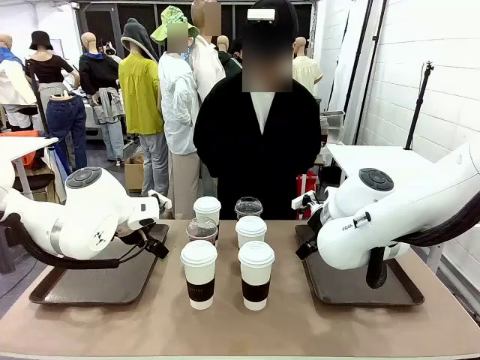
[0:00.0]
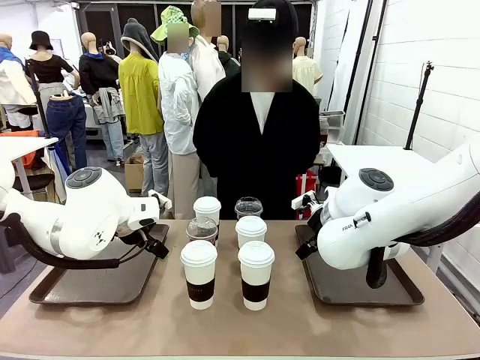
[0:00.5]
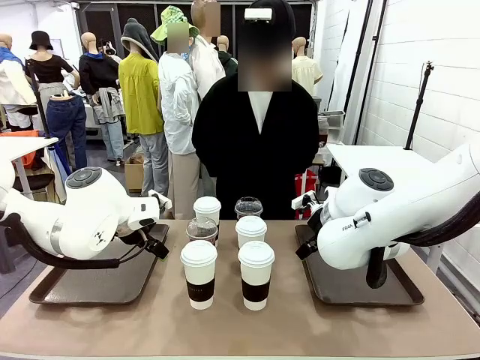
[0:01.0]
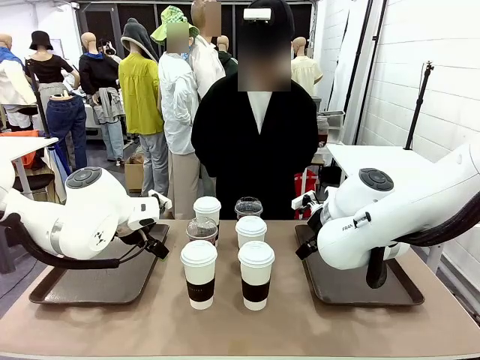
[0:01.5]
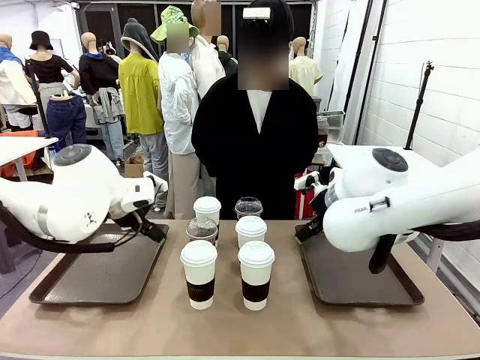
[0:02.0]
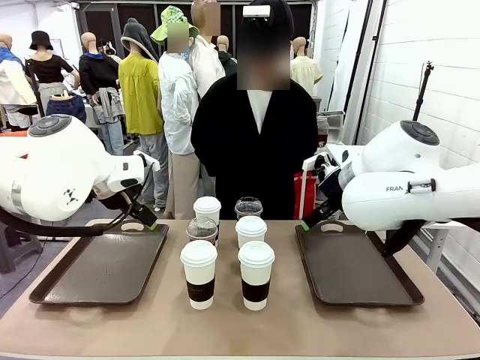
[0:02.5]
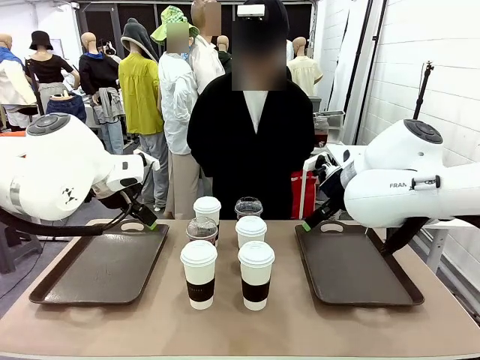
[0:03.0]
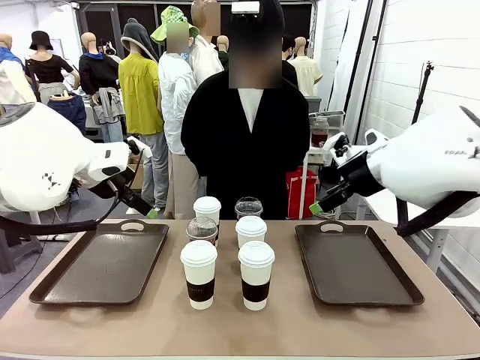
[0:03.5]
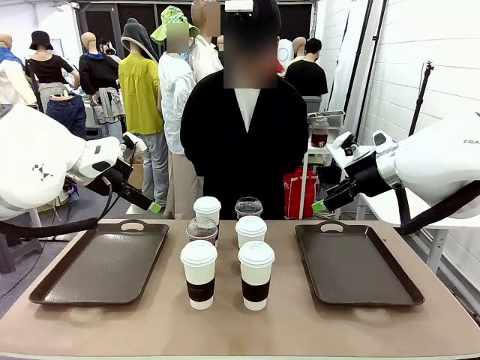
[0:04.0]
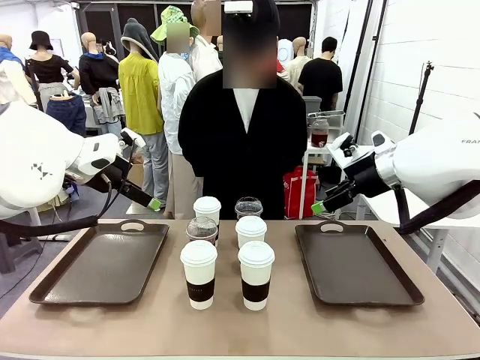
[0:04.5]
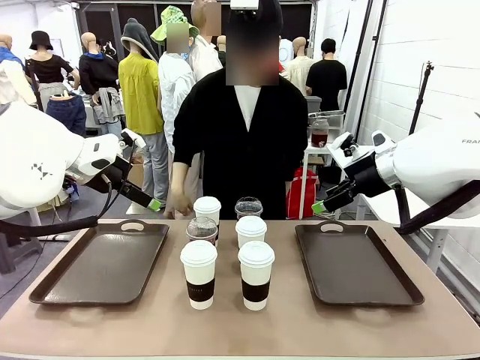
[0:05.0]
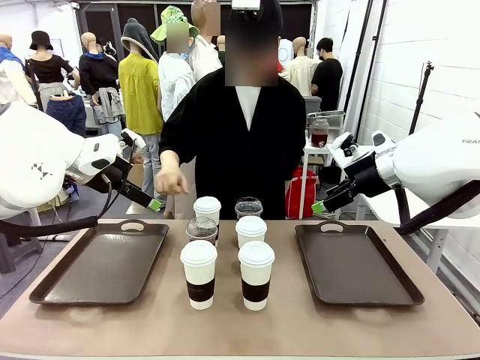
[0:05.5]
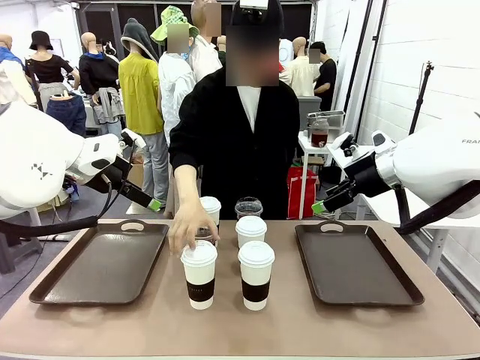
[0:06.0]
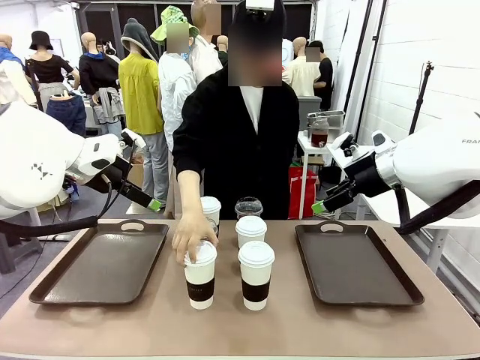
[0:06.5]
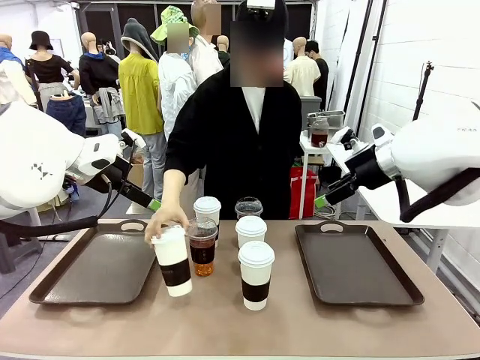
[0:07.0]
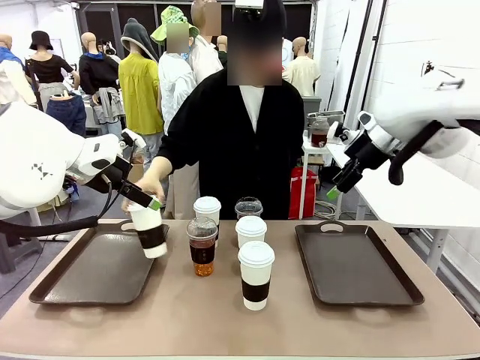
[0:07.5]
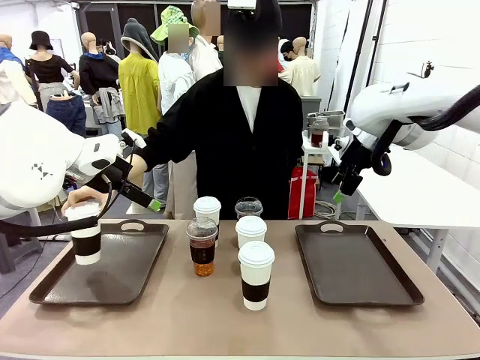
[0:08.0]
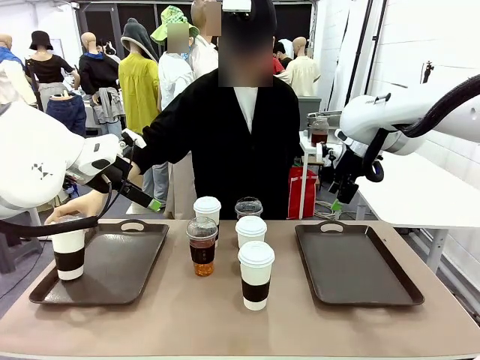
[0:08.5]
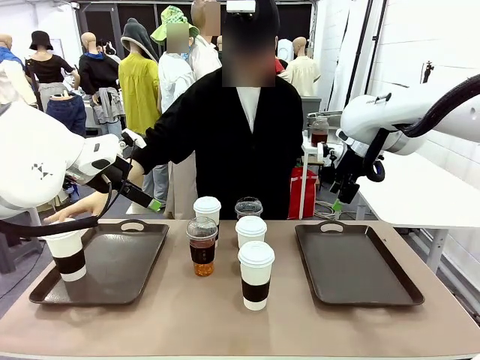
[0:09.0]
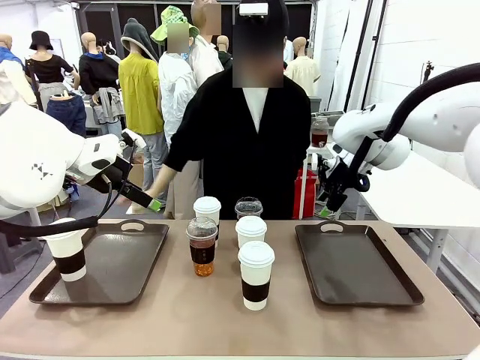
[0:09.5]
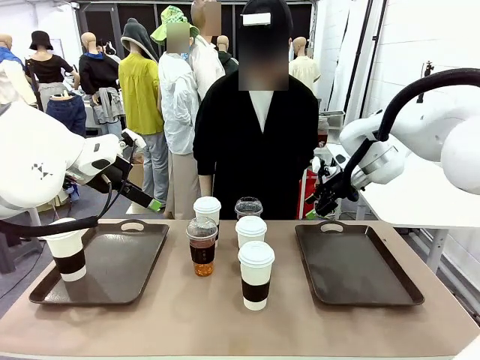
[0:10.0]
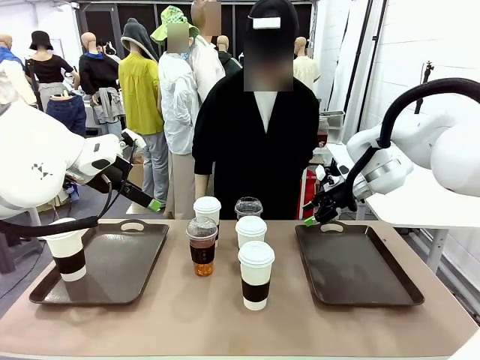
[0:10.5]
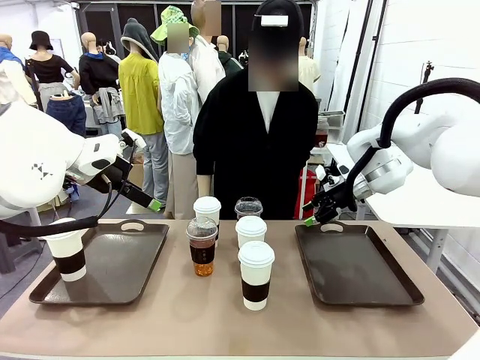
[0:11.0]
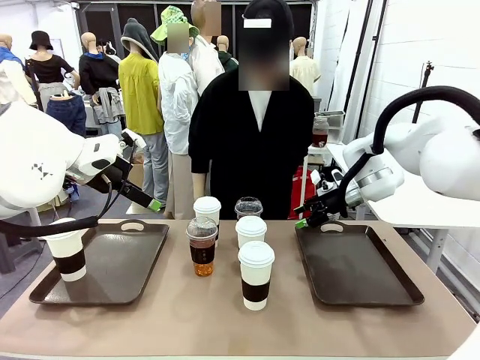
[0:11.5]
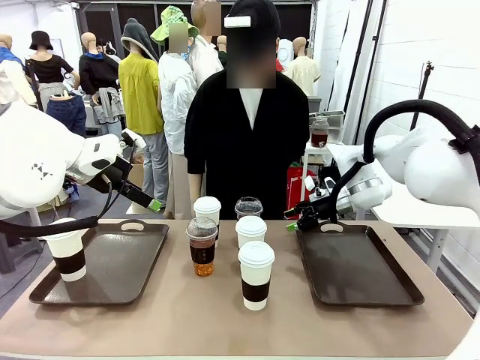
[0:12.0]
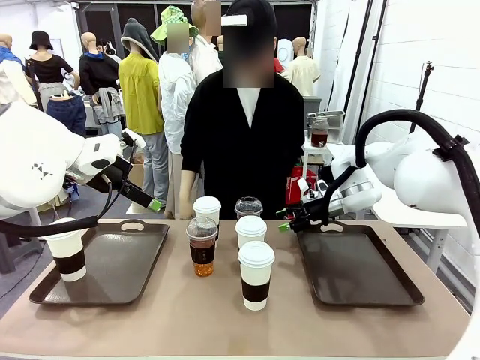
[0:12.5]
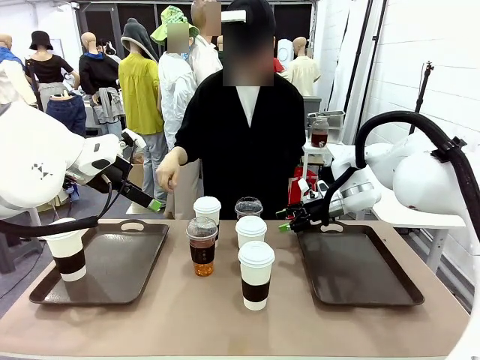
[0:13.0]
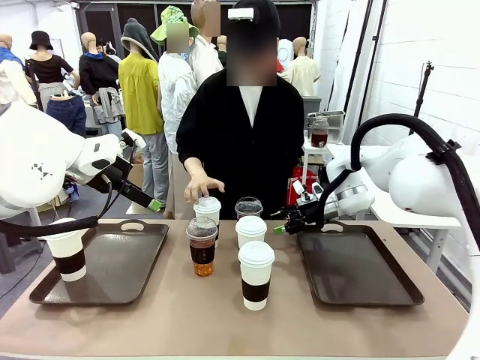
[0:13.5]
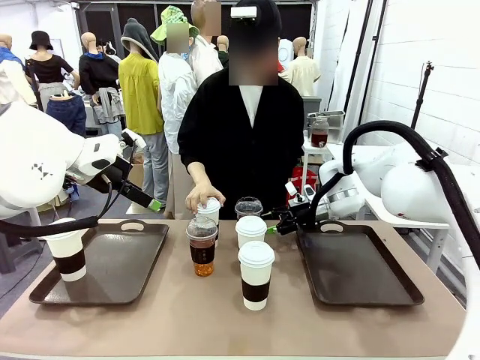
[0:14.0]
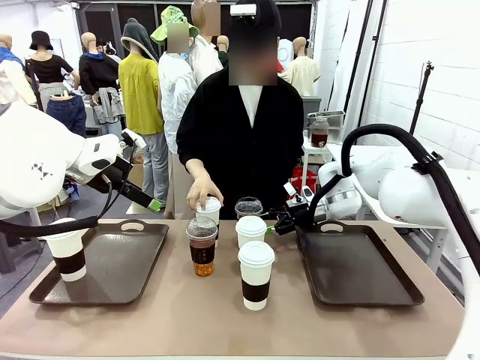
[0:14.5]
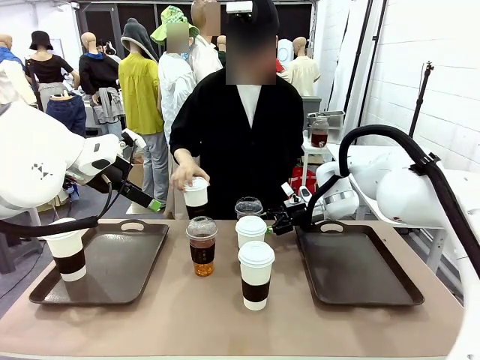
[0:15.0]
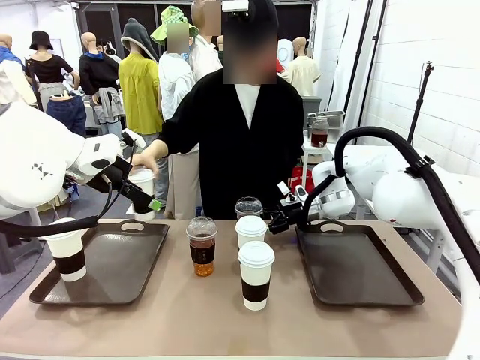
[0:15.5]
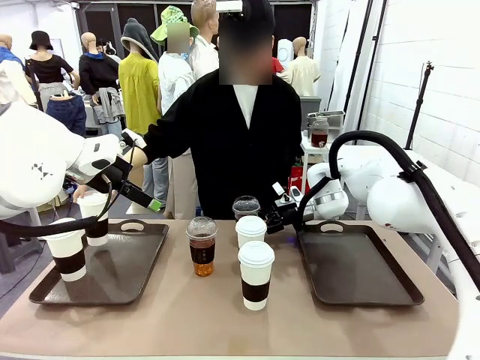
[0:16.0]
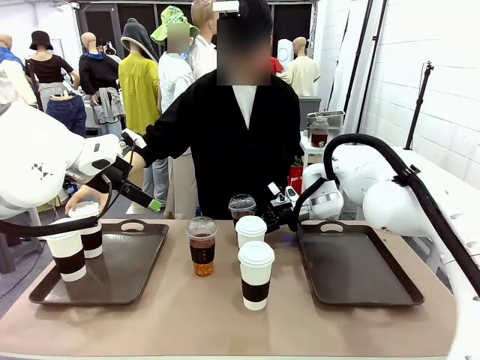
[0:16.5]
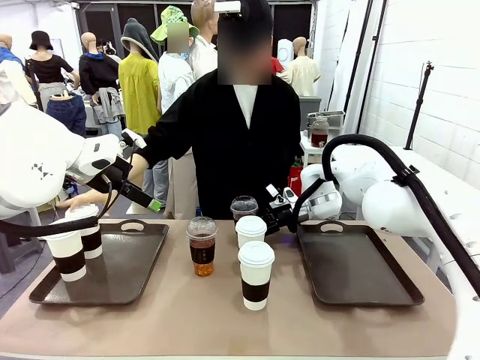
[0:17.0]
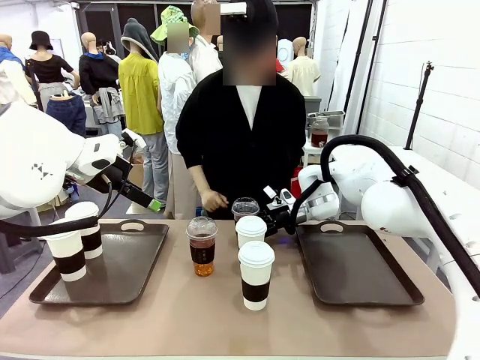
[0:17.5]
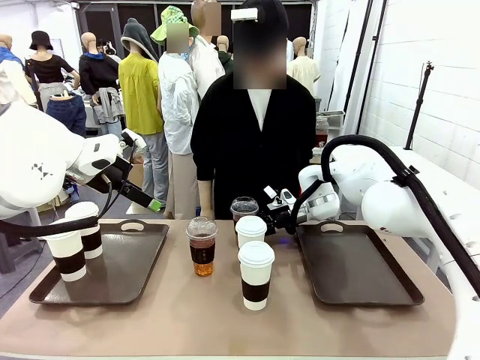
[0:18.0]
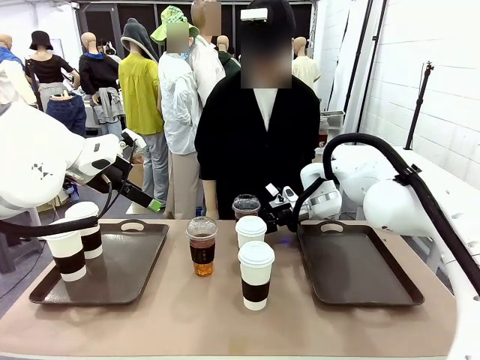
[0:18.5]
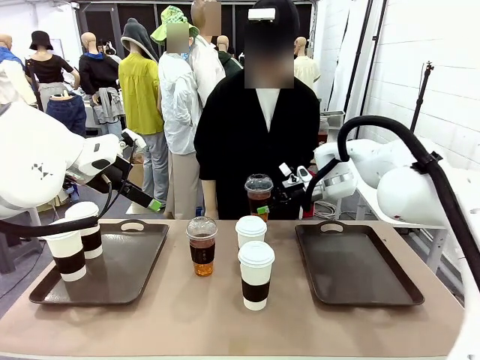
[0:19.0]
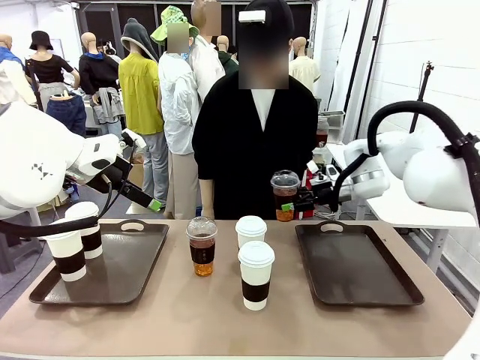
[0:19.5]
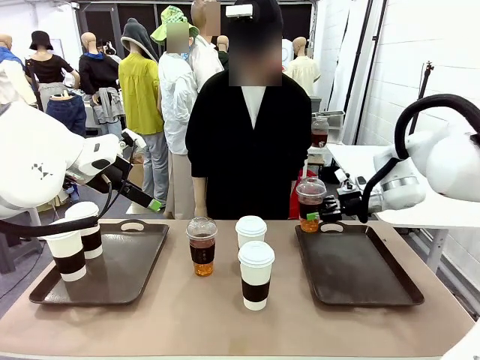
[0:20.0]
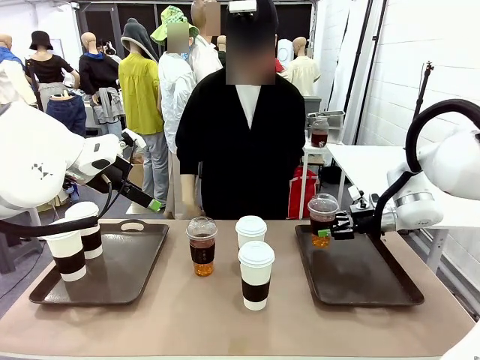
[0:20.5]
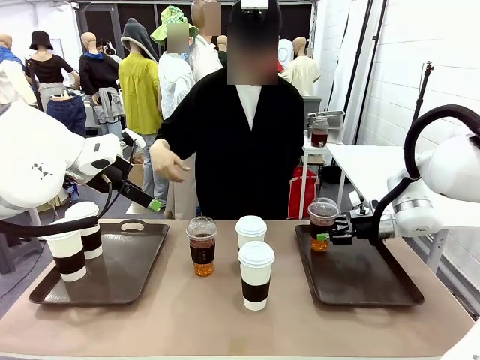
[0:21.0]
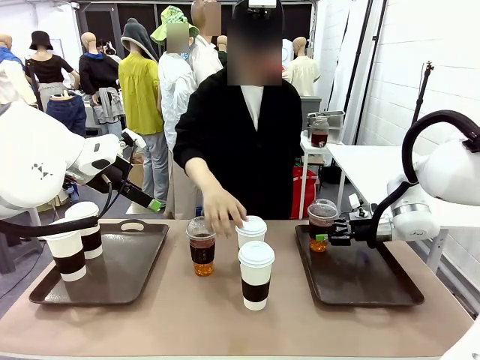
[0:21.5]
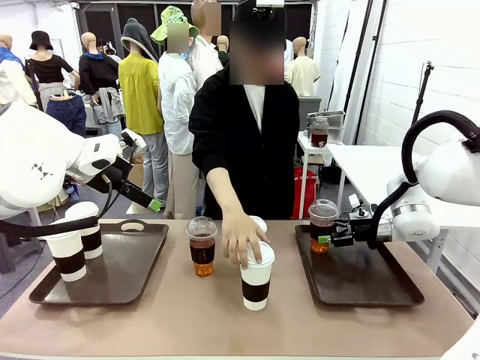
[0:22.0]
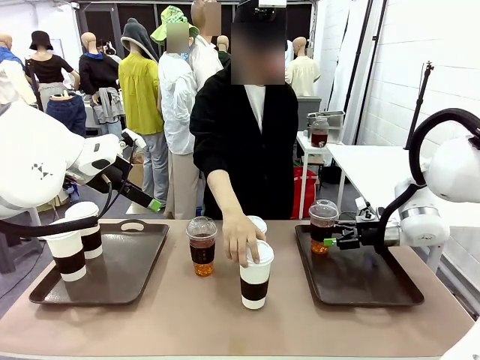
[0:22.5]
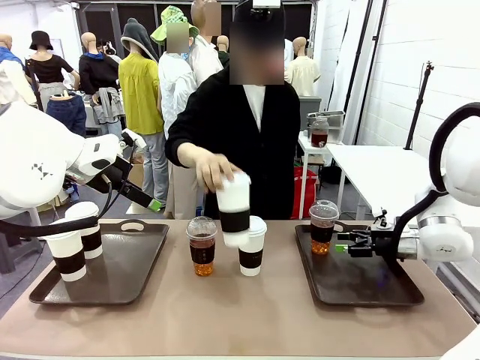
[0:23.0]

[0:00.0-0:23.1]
Task: Distribute the coffee onto the tray.
Robot: Pick up one iced Americano and place it on the right Handle tray.
Person: Pick up a cup of hot Americano and place it on the right tray.
